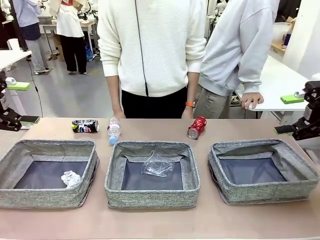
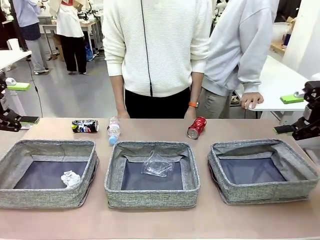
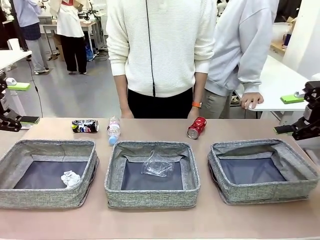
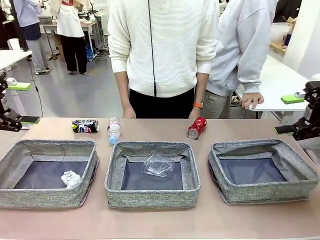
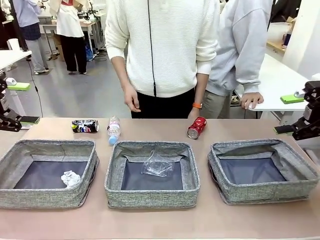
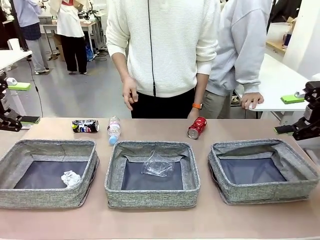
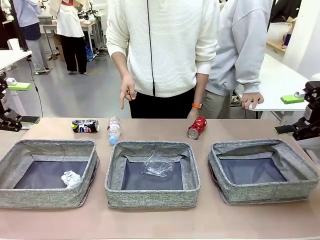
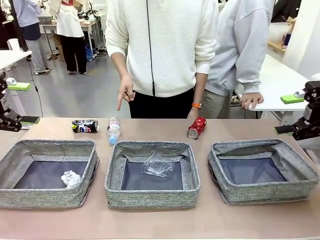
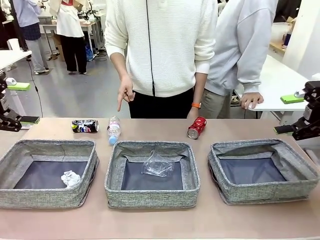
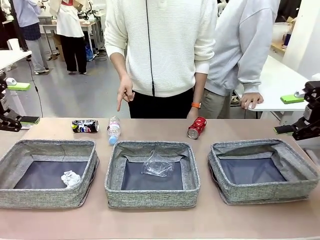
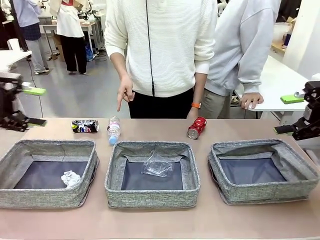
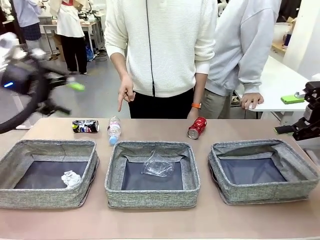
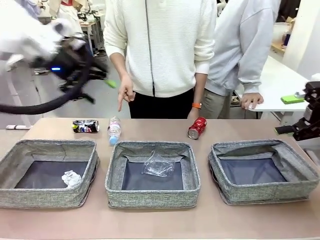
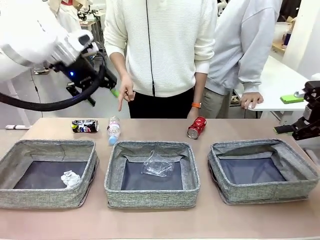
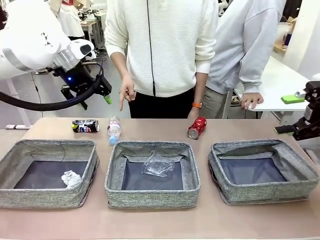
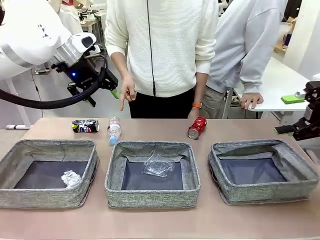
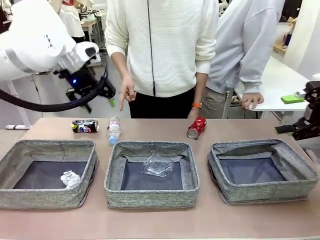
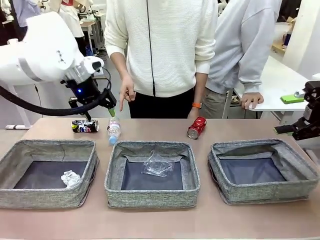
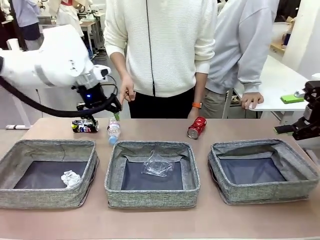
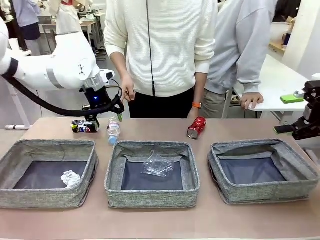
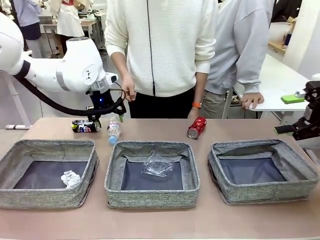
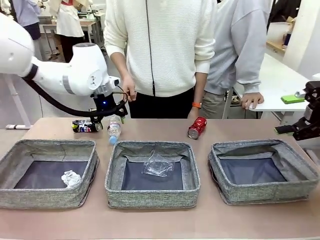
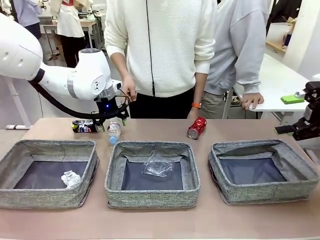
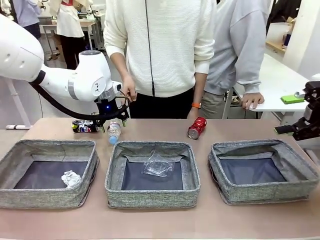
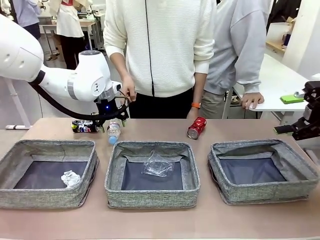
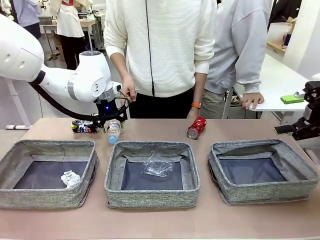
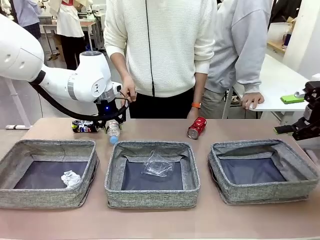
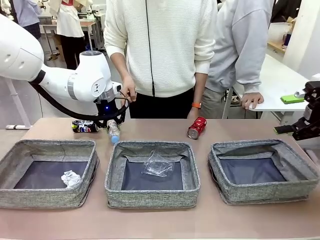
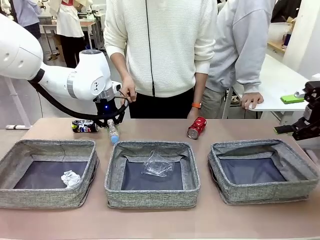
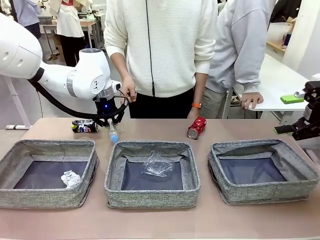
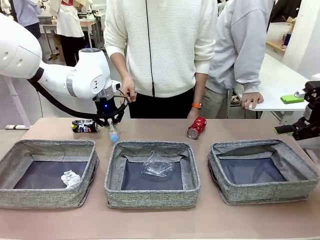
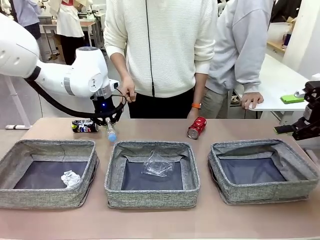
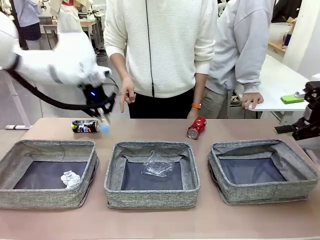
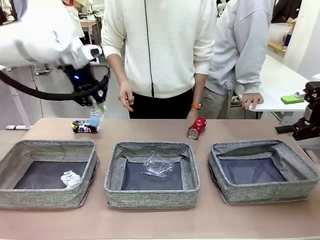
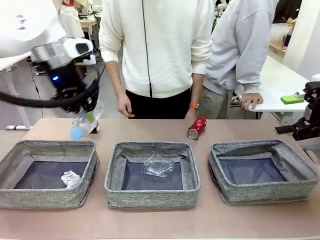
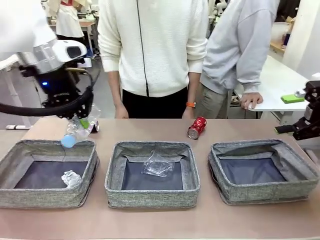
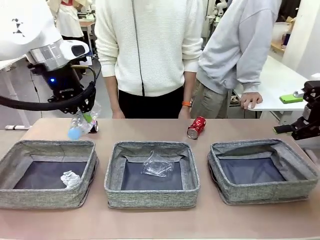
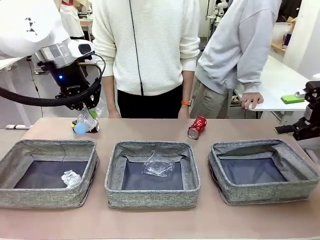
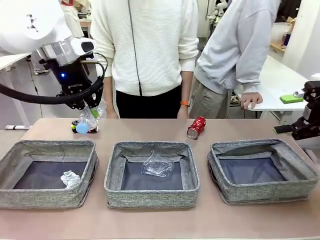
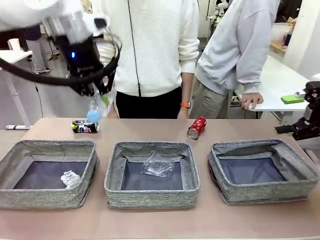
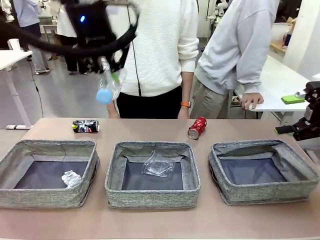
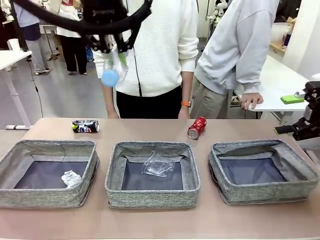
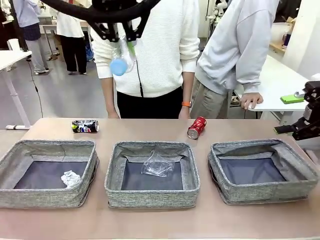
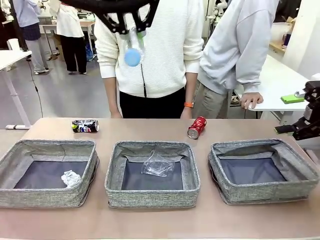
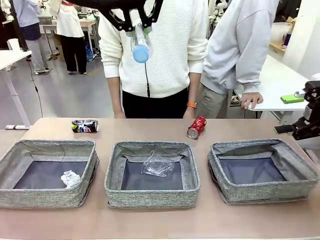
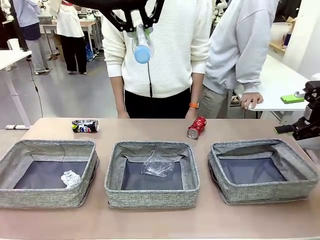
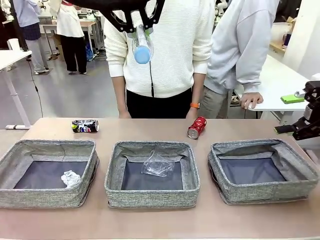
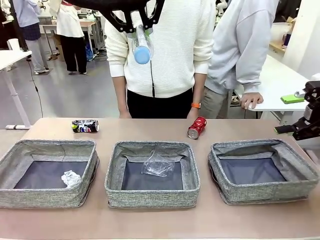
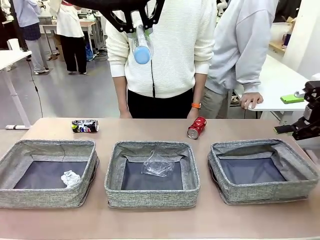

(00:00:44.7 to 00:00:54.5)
Task: Sort the waste into the appropriate baskets.
Robot: Pick up the waste item pointed out by the person.
Person: Points to one piece of trash on the table.

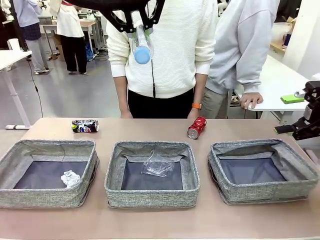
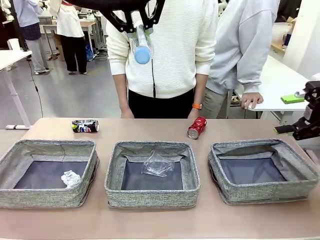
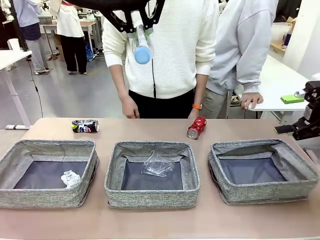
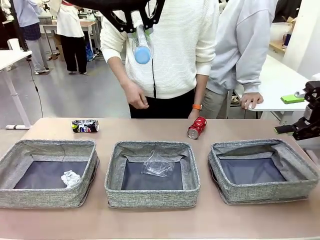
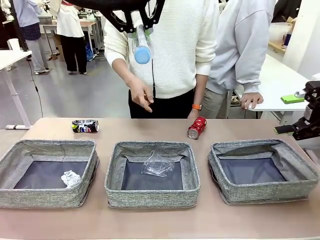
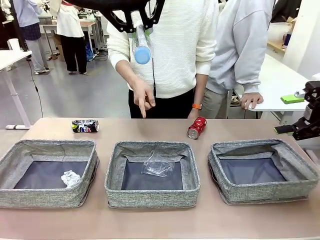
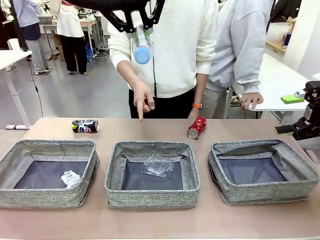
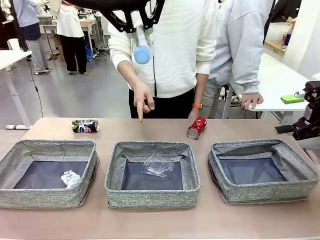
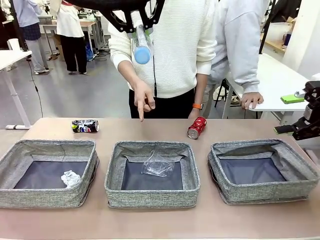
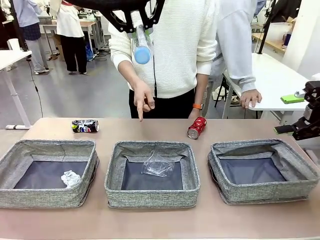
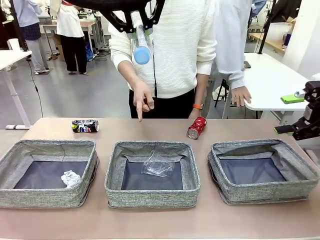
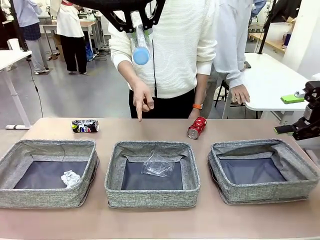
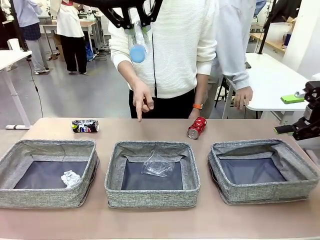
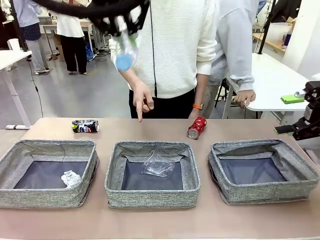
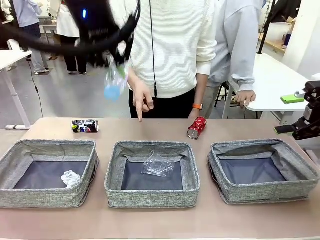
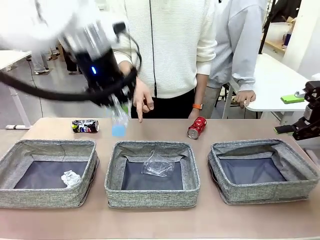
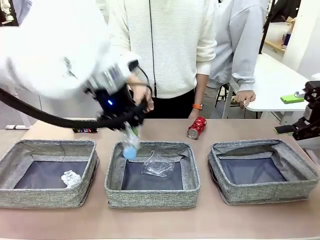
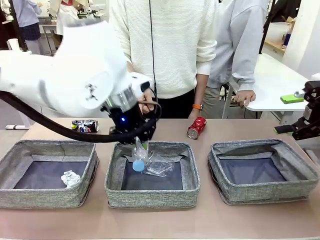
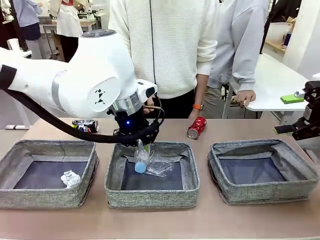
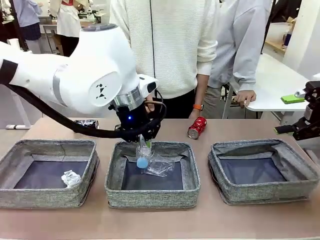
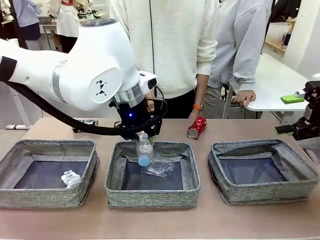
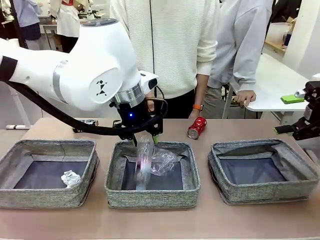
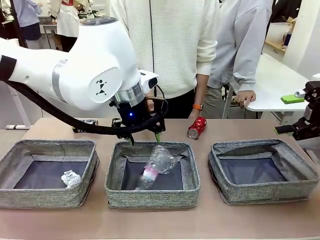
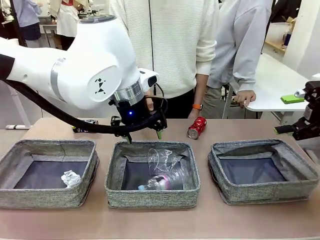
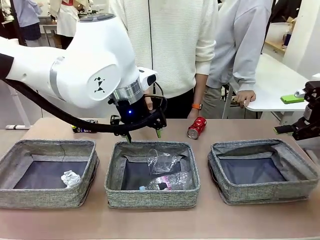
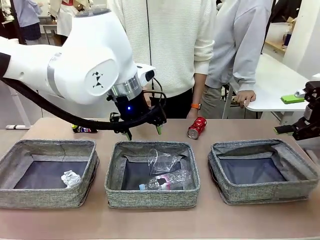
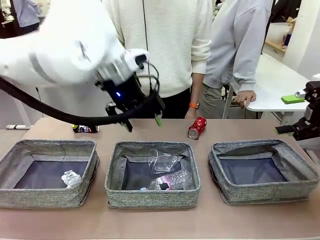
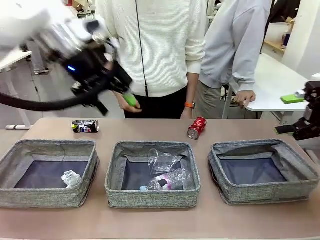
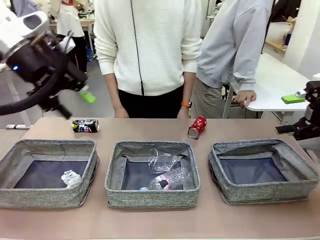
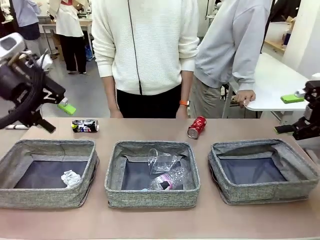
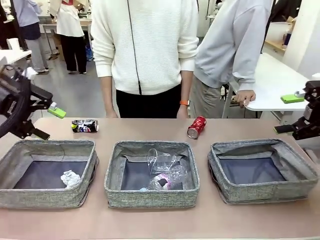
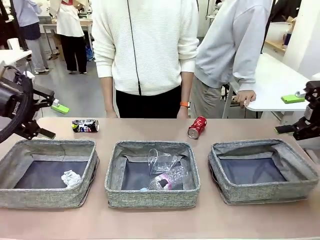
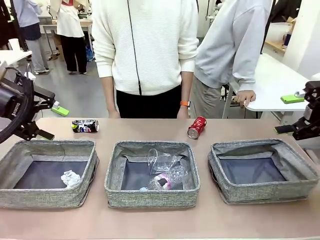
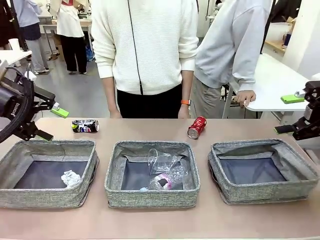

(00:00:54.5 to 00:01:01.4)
Robot: Place the picked waste into the Fabric basket indicated by the person.
Person: Instructs the robot to place the picked-up trash into the appropriate organizing basket.

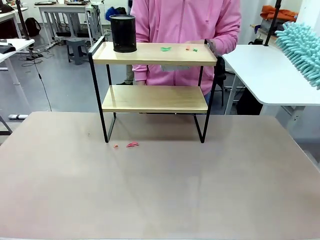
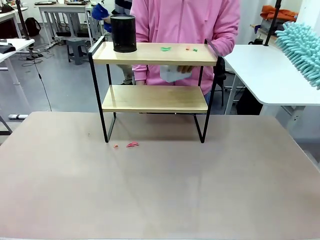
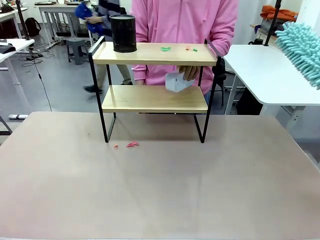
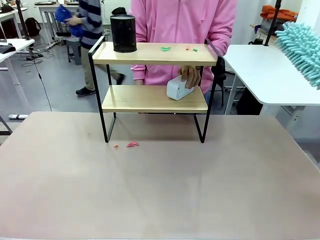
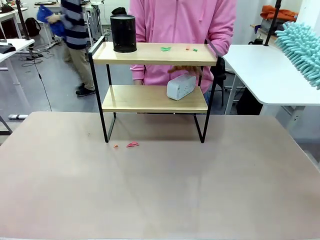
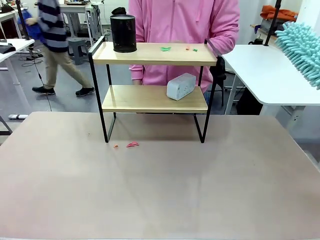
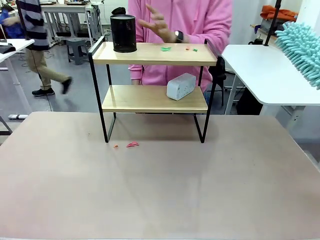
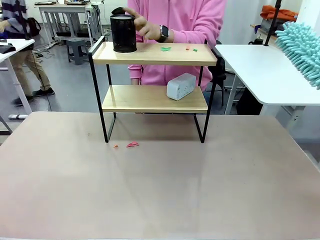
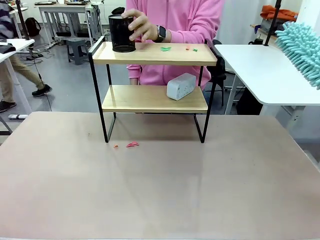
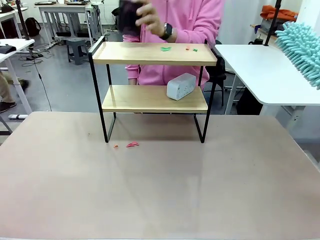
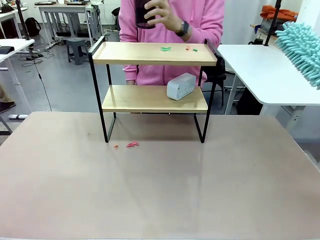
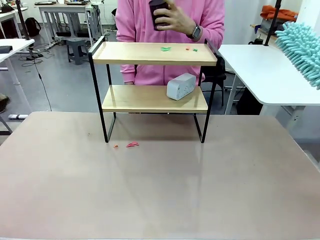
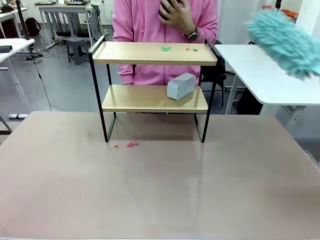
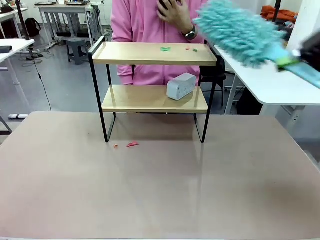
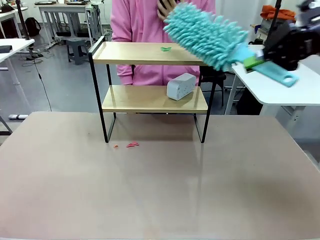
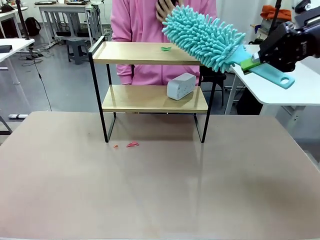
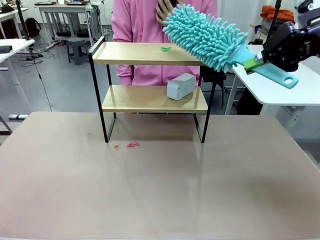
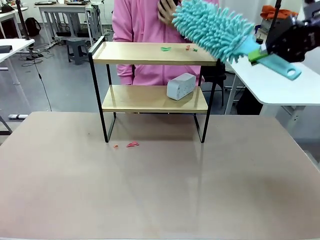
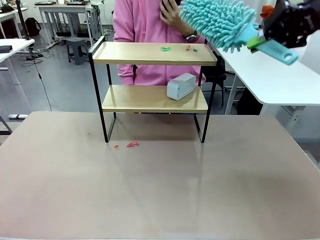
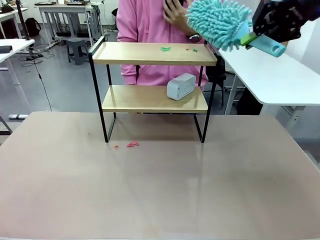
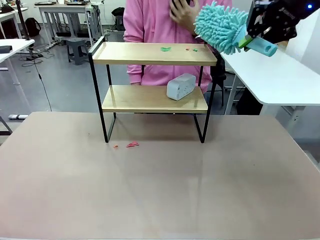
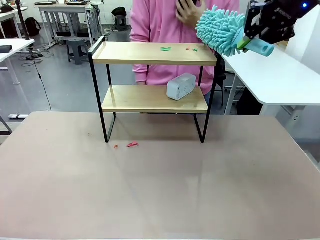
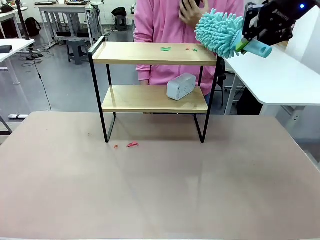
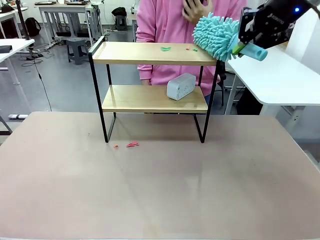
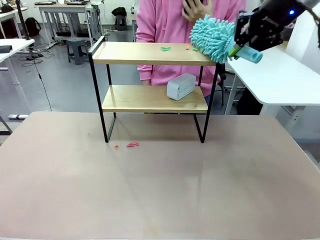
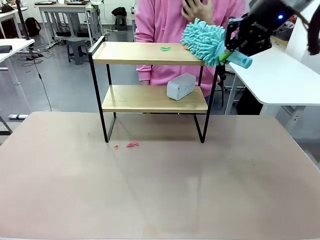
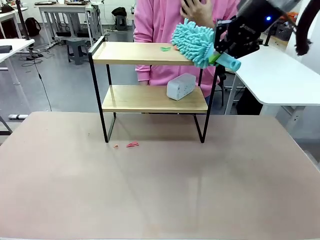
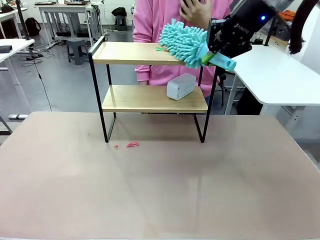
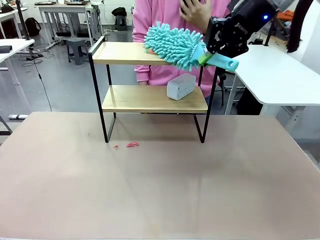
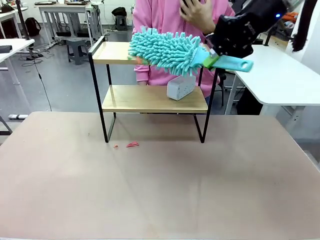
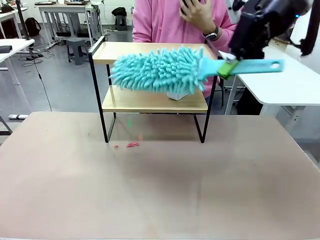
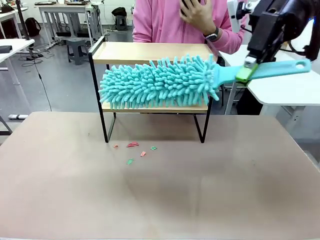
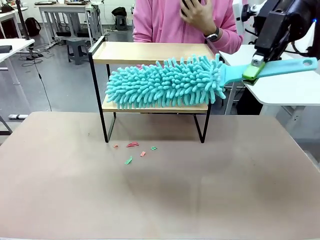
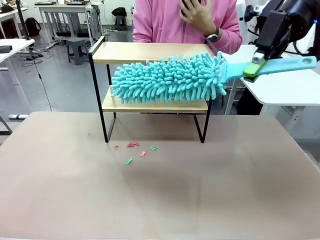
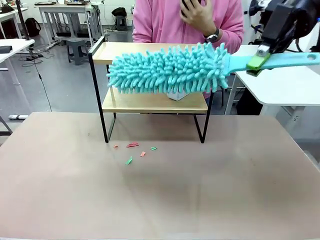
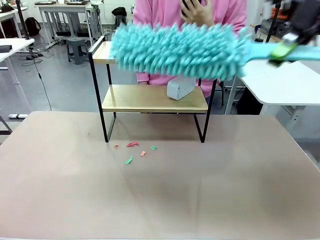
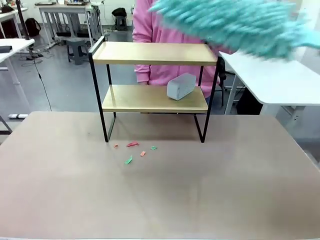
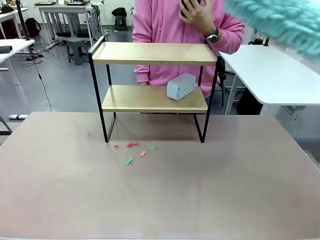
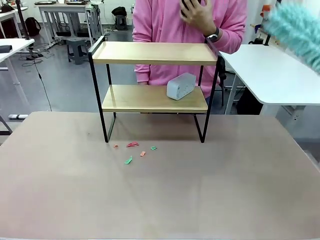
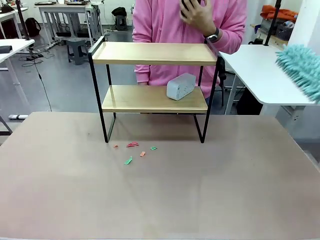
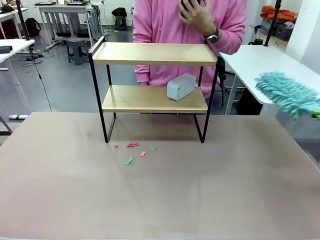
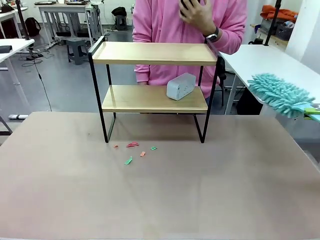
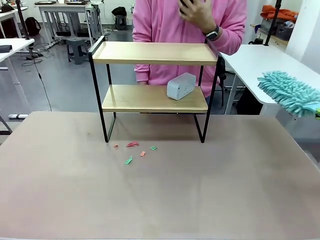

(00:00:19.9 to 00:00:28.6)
Task: Clean the shelf.
Robot: Clean the remaining tier of the Shelf with the Duster once objects are removed.
